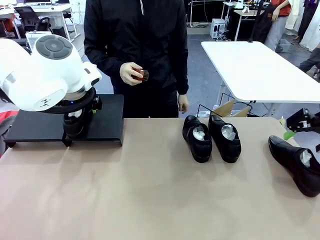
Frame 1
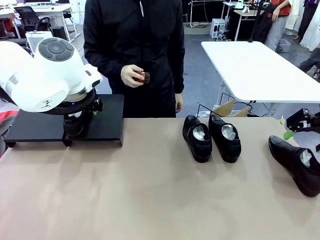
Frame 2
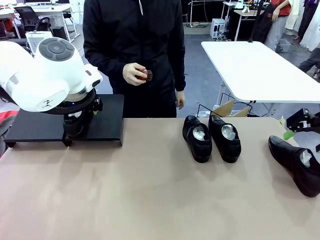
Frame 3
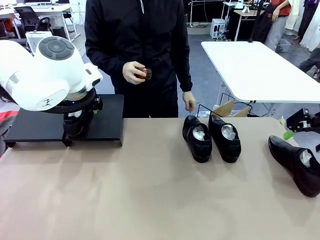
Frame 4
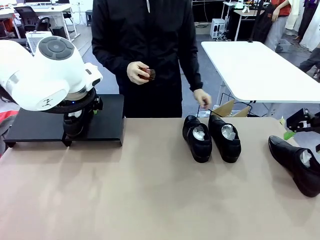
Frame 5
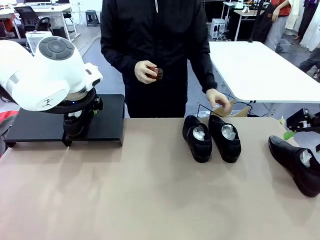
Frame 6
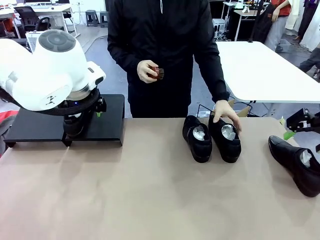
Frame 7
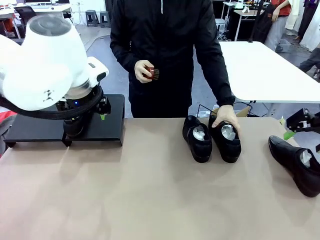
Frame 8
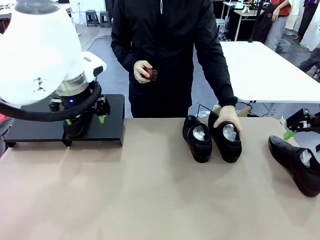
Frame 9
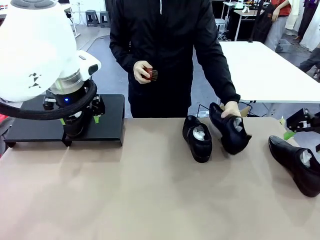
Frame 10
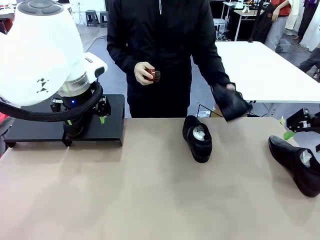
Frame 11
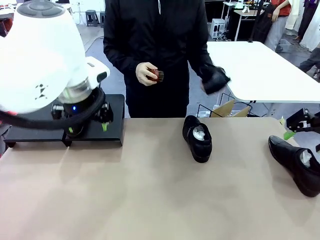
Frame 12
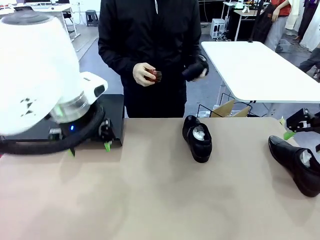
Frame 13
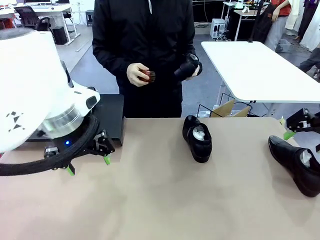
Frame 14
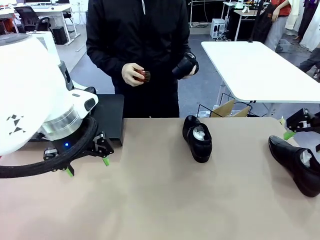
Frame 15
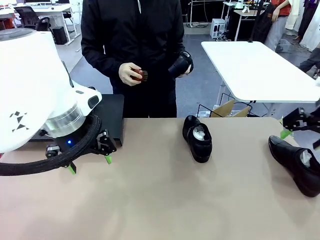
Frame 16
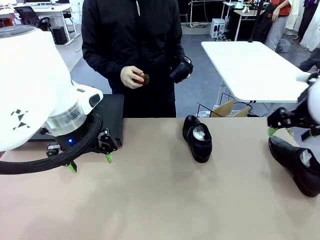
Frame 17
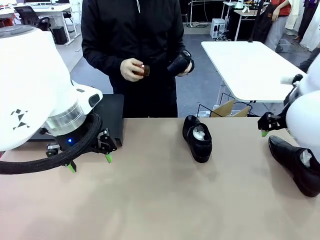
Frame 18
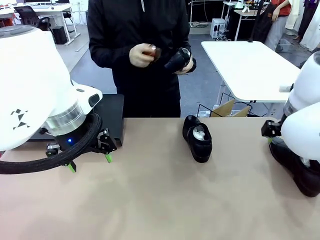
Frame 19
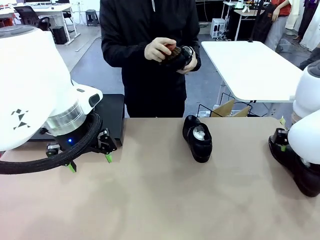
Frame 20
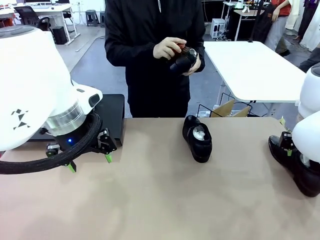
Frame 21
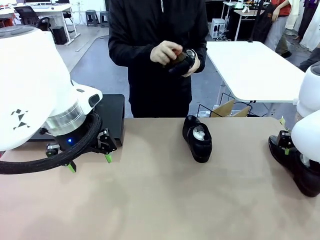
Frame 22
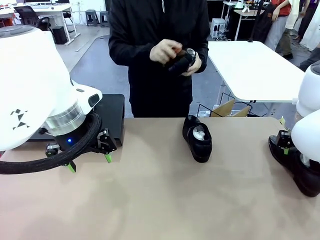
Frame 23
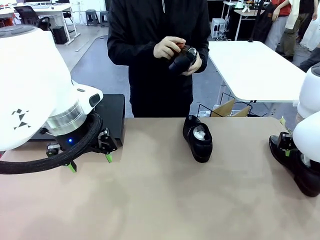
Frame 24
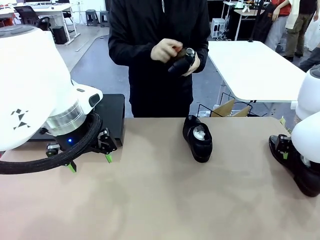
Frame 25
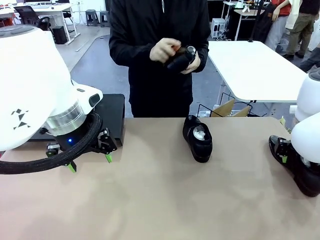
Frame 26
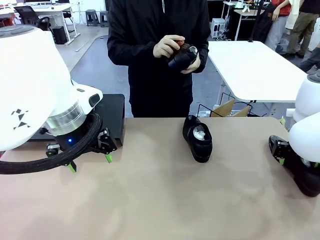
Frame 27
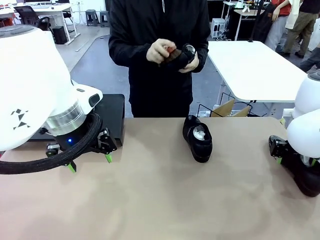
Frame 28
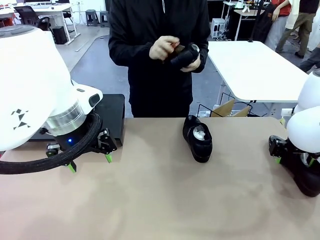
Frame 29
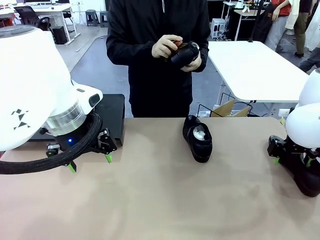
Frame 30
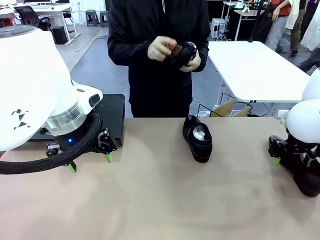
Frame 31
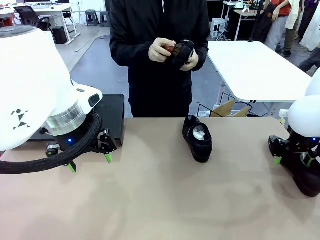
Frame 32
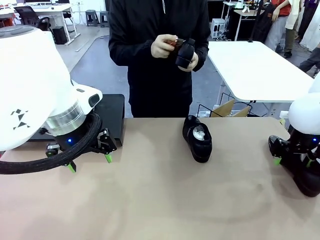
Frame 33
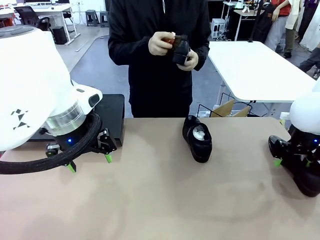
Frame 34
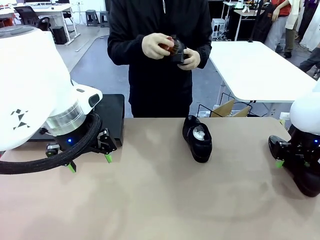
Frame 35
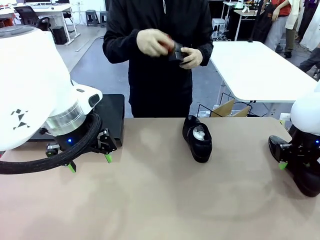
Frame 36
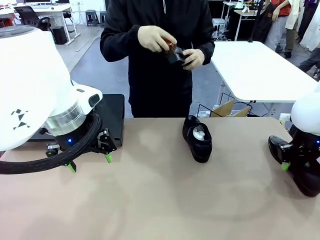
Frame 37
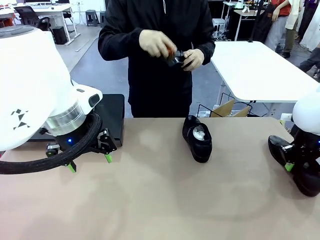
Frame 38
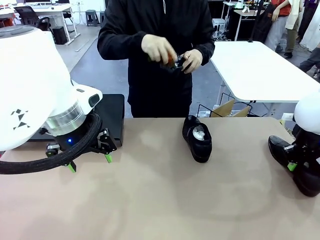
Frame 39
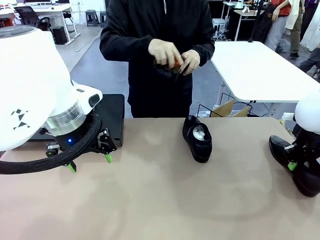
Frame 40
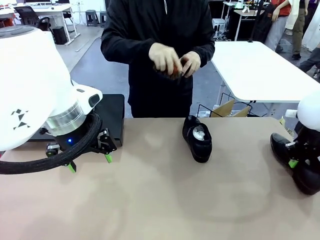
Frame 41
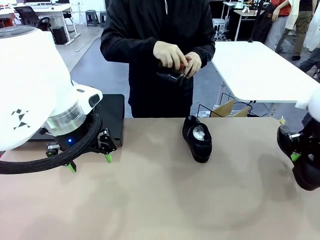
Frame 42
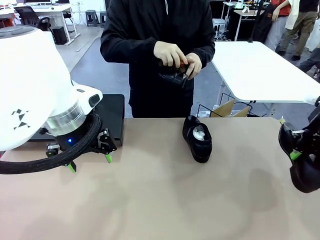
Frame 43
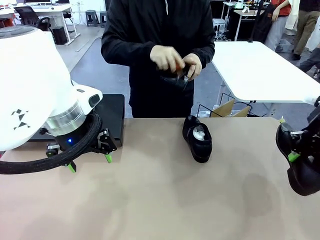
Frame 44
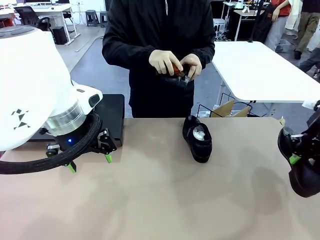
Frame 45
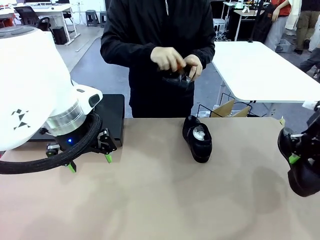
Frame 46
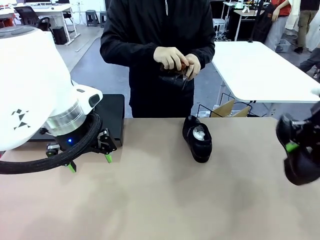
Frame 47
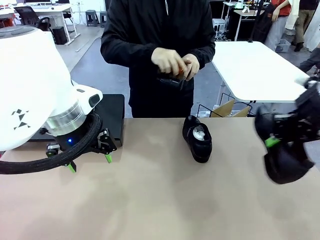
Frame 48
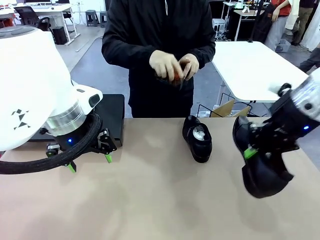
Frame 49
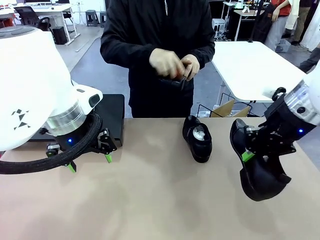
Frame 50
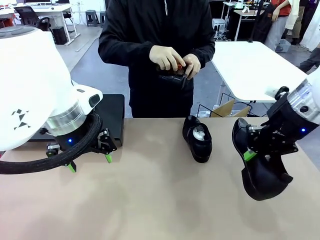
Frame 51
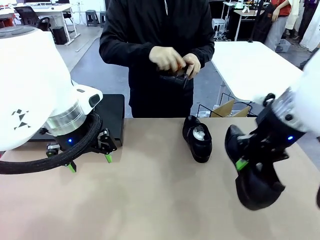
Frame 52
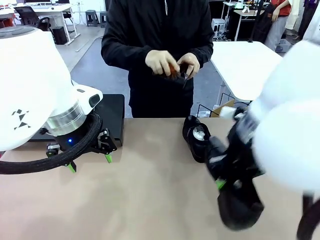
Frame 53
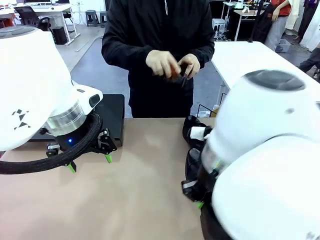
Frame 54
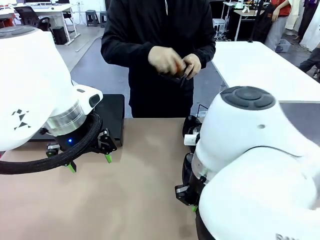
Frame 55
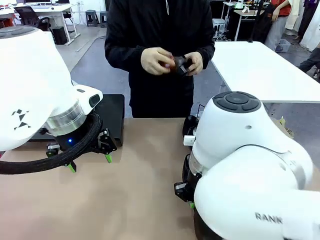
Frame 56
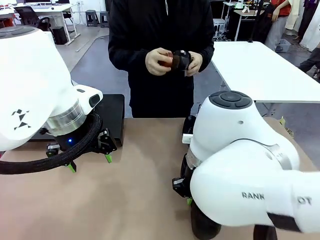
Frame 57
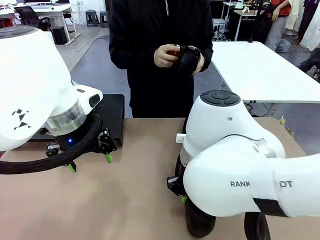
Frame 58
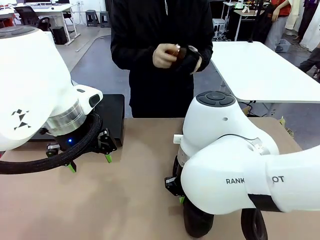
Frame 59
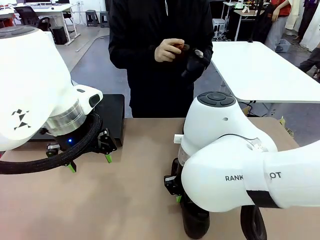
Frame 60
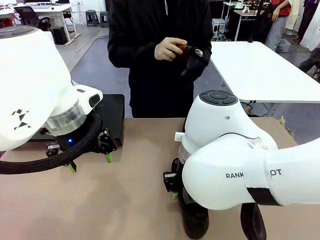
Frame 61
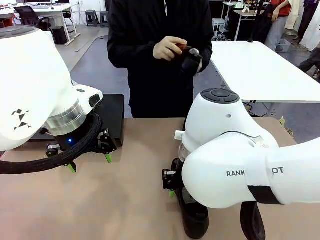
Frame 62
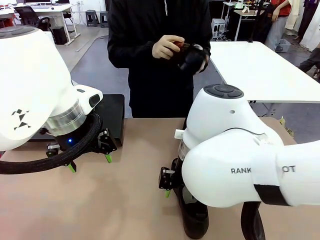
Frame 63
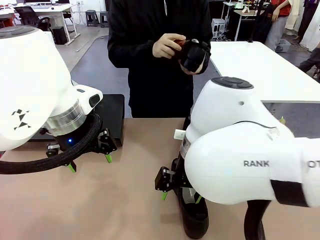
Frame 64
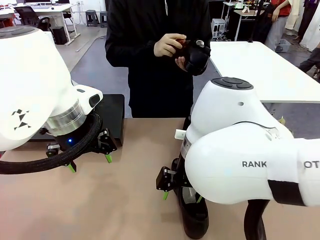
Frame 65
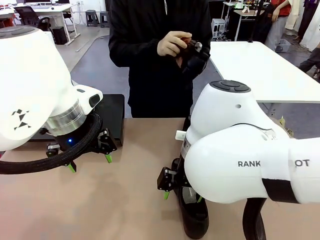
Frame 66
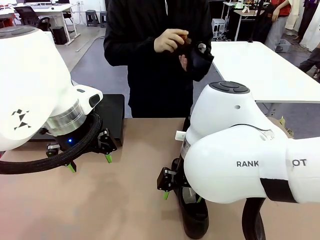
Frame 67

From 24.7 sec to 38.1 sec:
Task: Organize the shoes by placing them on the stand.
Robot: Pick up one Shoe and place it in the middle of the table.
Person: Pick one Shoe on Robot's table. Clean the Shoe with the Shoe Brush.
